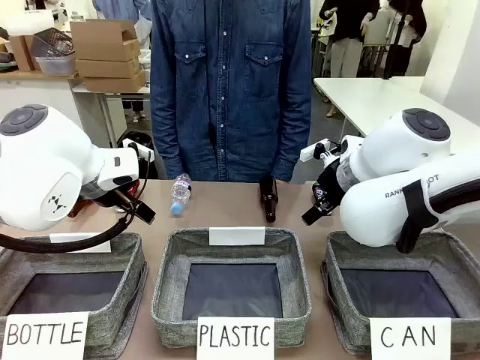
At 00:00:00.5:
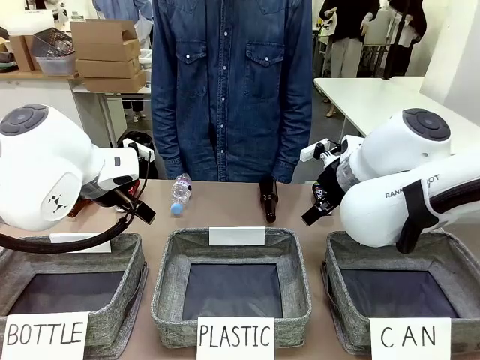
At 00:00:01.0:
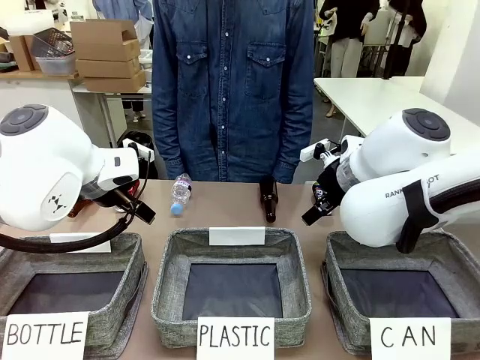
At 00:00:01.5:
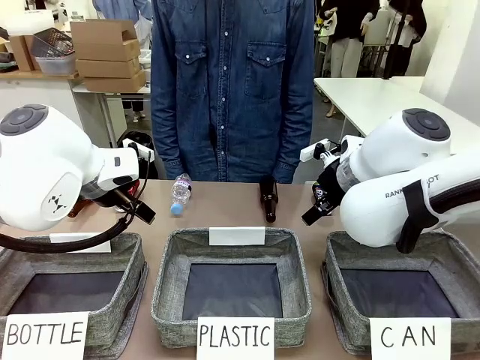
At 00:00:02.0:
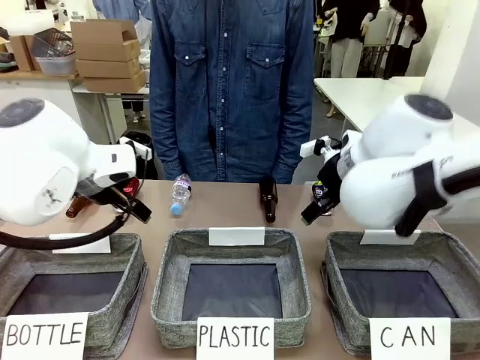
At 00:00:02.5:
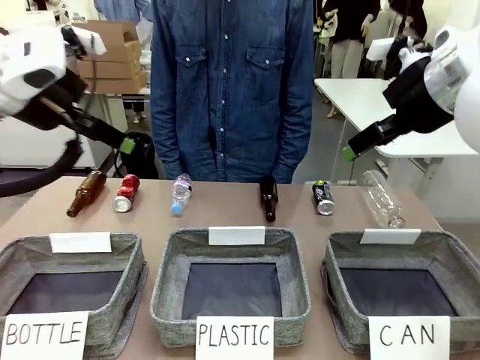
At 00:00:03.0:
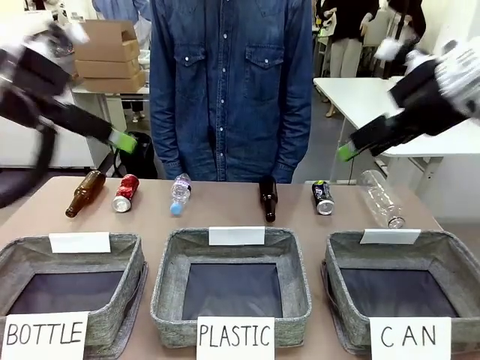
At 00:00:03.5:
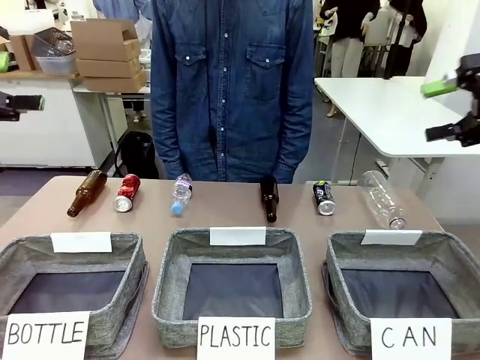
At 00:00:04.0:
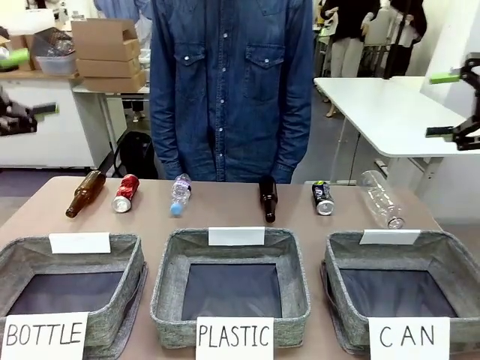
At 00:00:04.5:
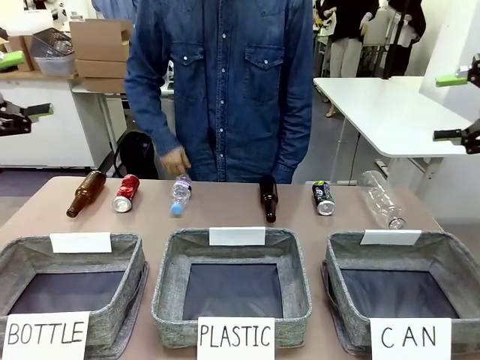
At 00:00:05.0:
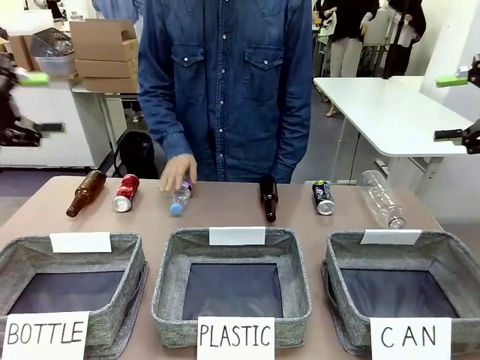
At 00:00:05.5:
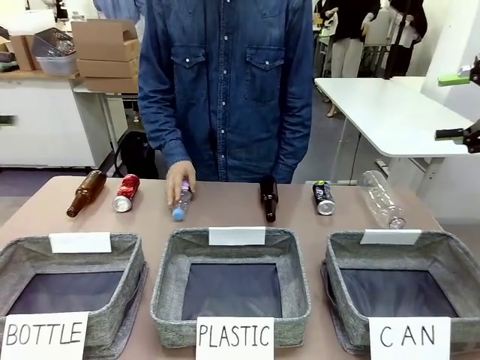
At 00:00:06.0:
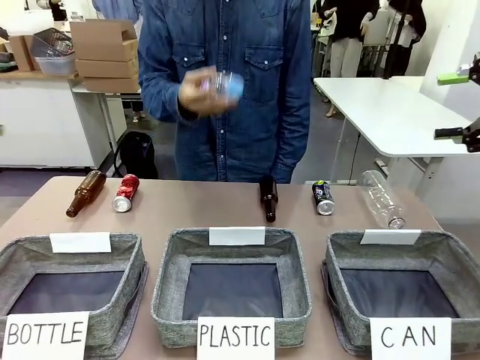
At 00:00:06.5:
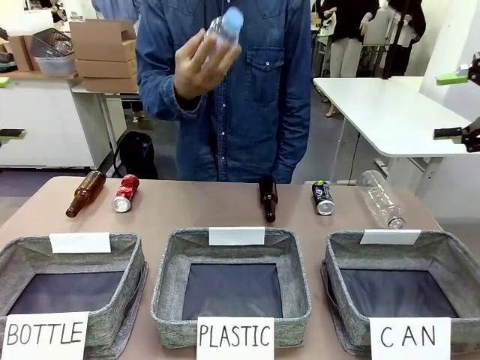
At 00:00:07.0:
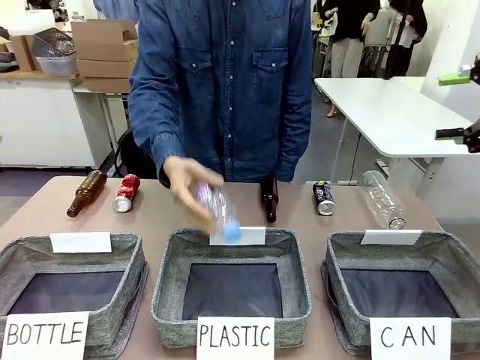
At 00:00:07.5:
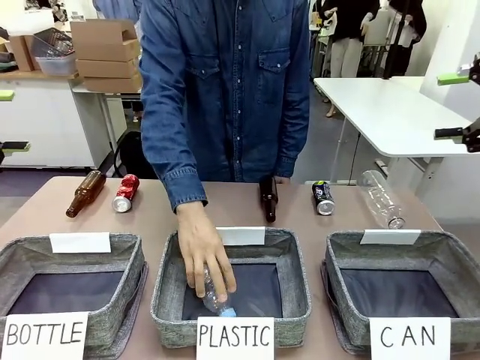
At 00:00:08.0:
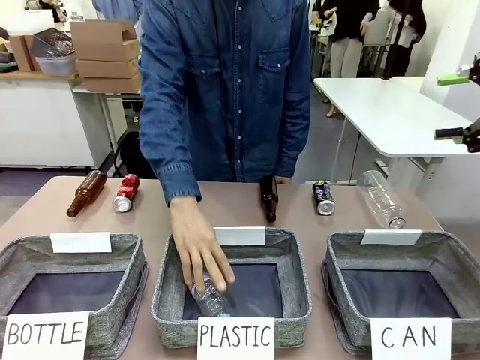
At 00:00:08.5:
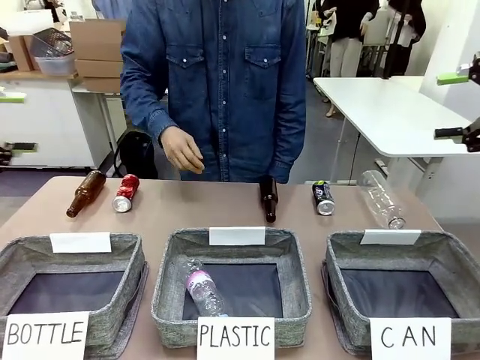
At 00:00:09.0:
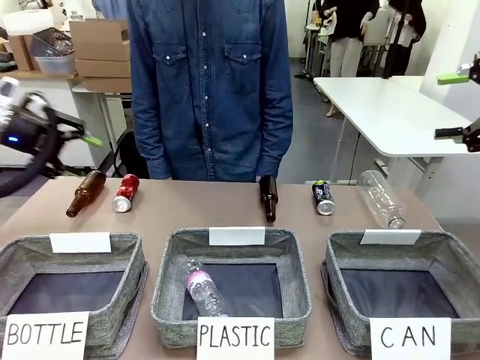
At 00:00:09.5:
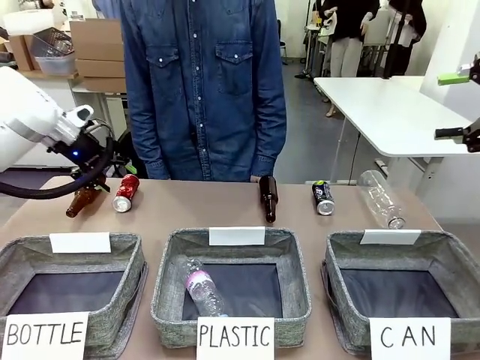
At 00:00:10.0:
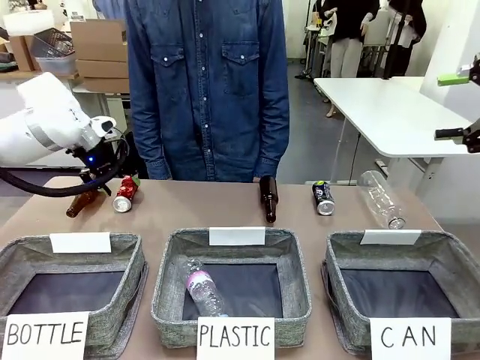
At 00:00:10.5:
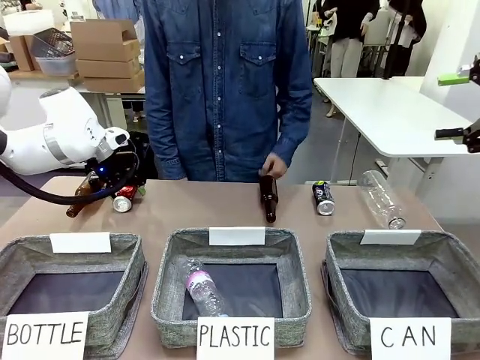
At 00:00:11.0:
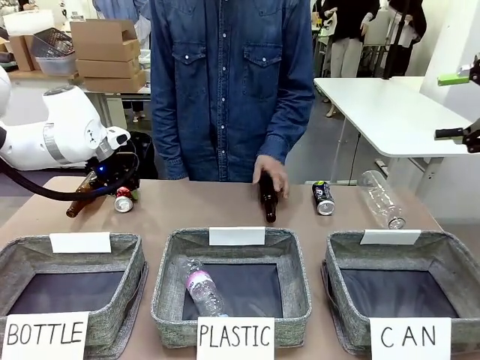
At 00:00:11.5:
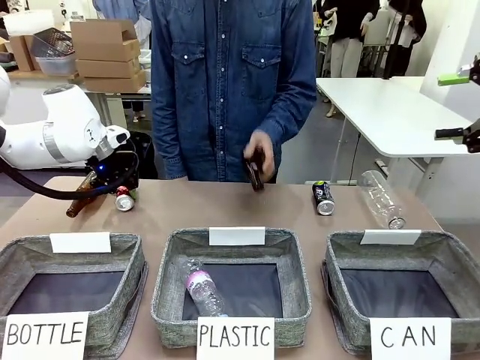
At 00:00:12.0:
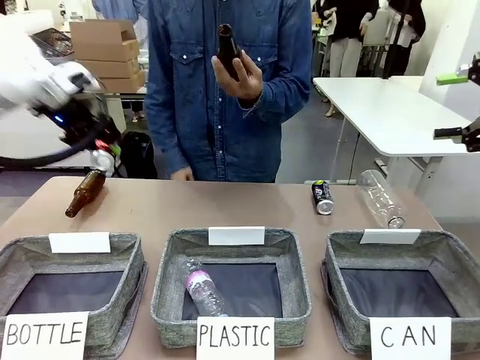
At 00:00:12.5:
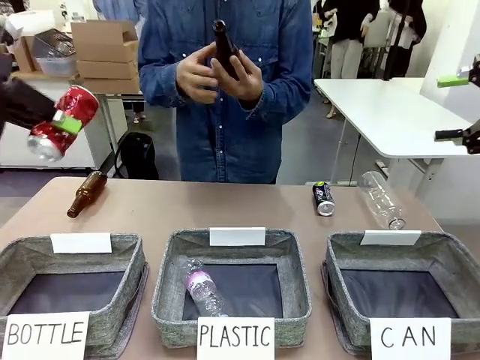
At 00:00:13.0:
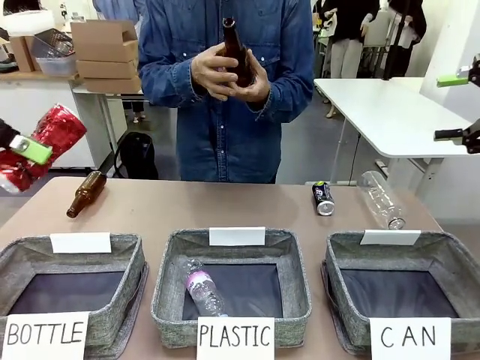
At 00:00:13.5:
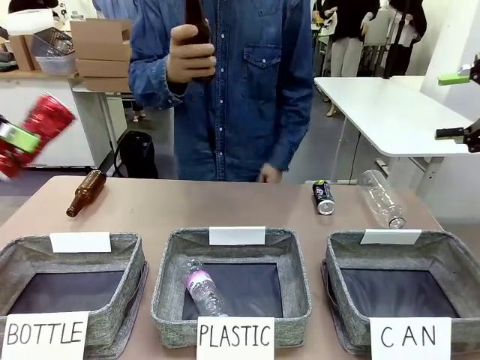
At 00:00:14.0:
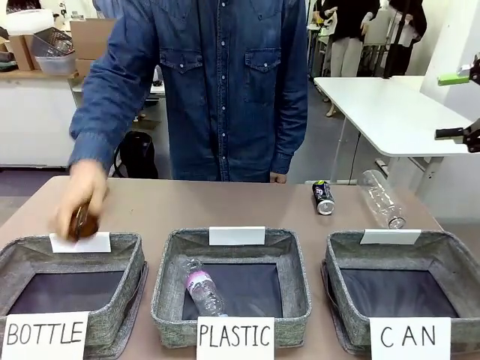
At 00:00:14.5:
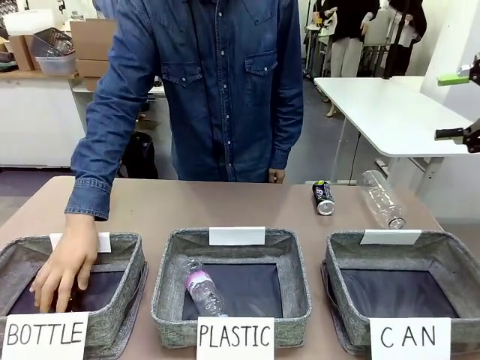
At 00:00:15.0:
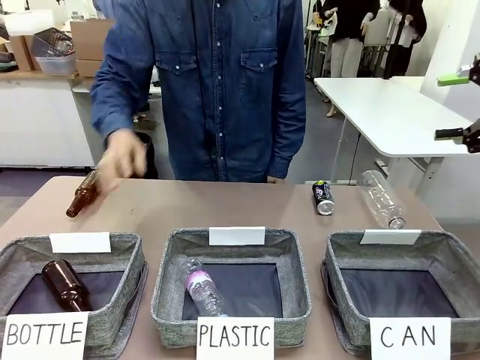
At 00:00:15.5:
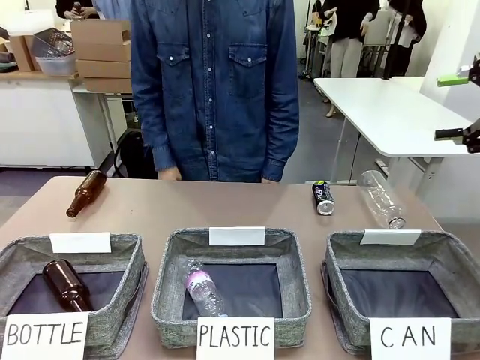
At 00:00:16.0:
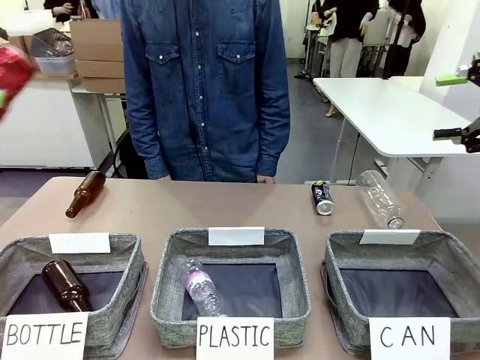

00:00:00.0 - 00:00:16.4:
Task: Sort the can waste into the basket.
Robot: Pick up the can waste from the table and place it in the right Fabric basket.
